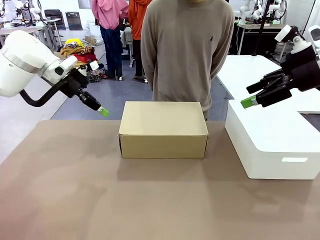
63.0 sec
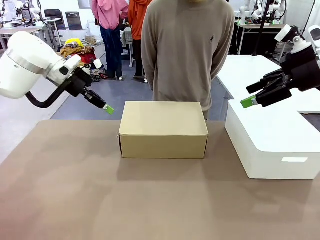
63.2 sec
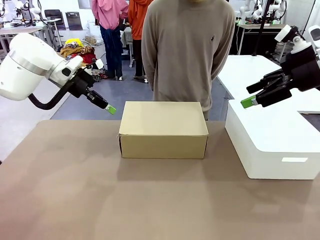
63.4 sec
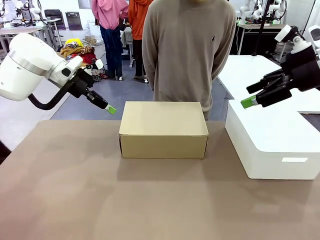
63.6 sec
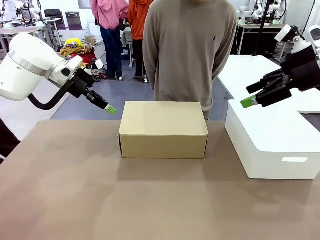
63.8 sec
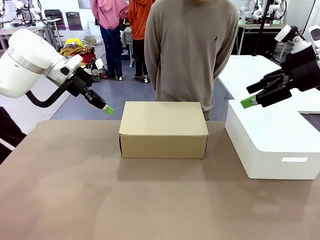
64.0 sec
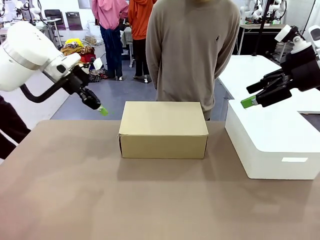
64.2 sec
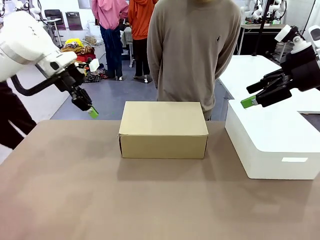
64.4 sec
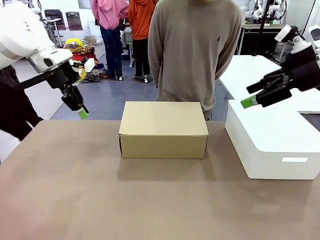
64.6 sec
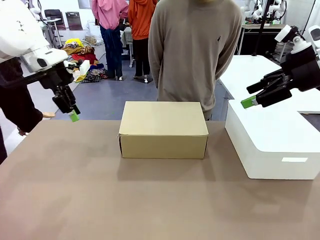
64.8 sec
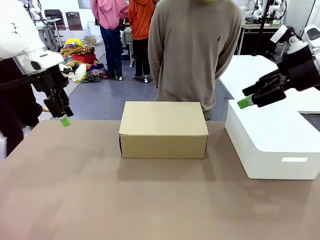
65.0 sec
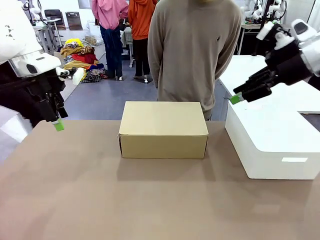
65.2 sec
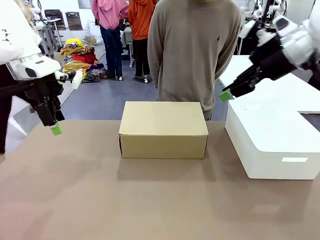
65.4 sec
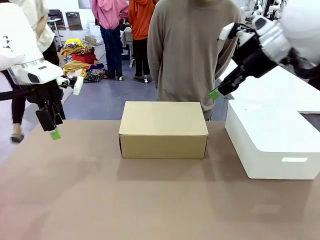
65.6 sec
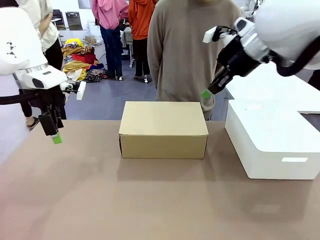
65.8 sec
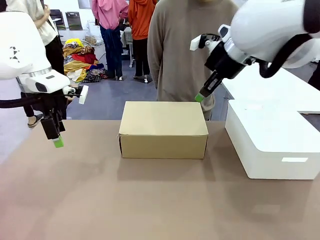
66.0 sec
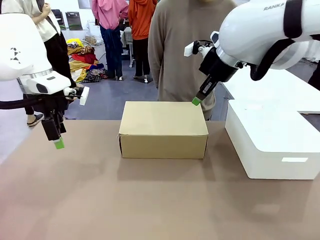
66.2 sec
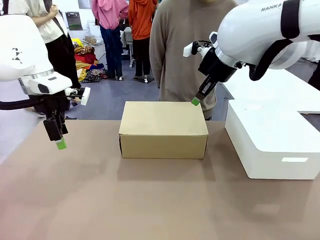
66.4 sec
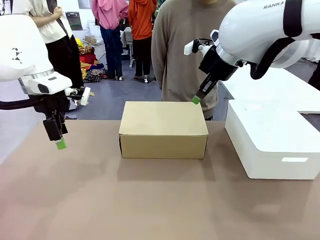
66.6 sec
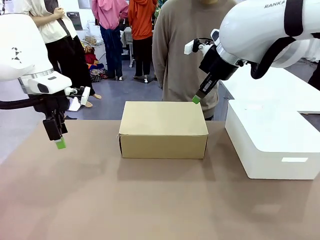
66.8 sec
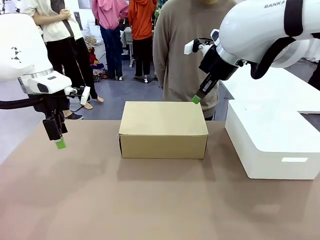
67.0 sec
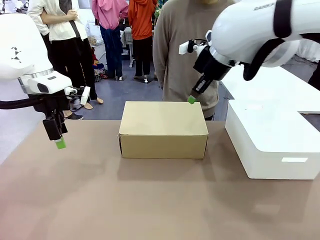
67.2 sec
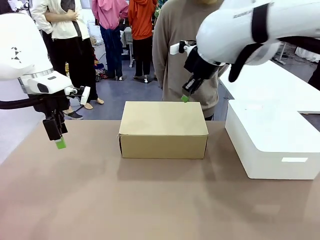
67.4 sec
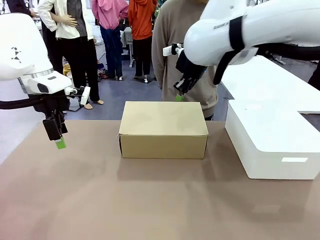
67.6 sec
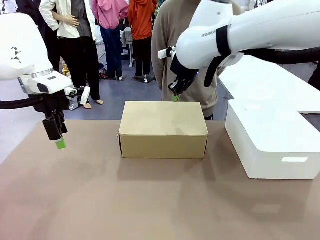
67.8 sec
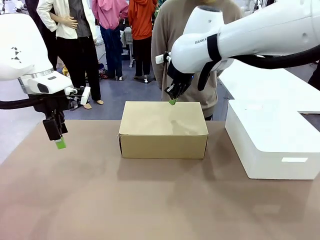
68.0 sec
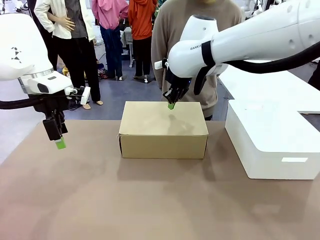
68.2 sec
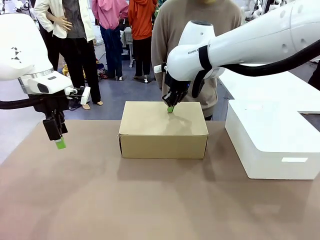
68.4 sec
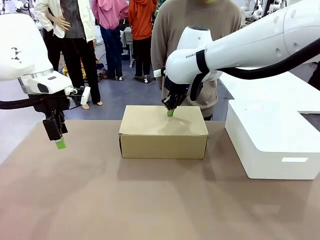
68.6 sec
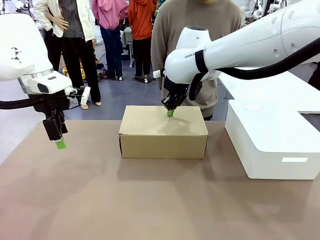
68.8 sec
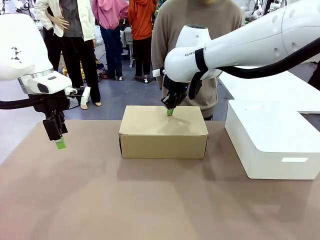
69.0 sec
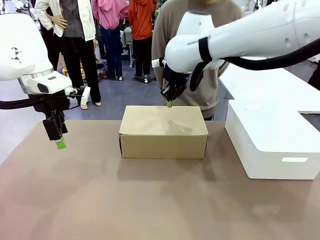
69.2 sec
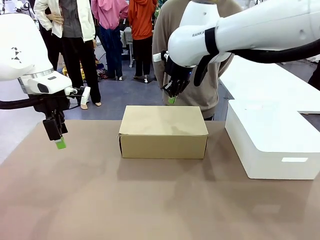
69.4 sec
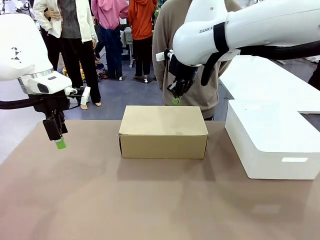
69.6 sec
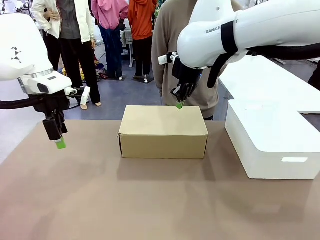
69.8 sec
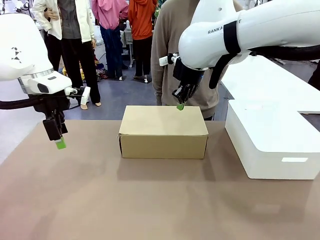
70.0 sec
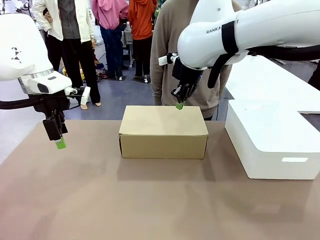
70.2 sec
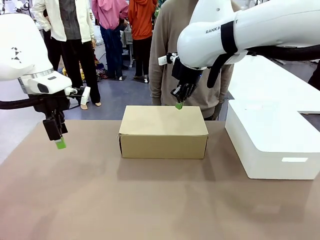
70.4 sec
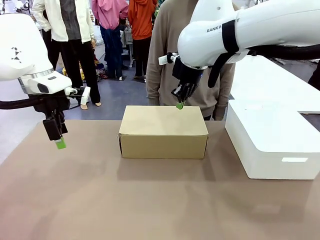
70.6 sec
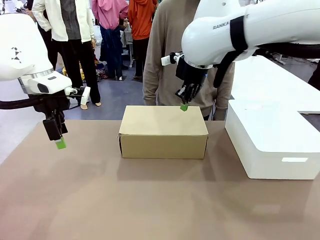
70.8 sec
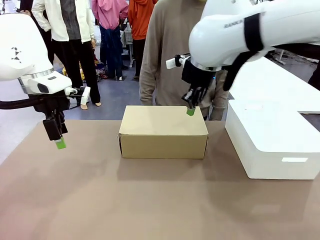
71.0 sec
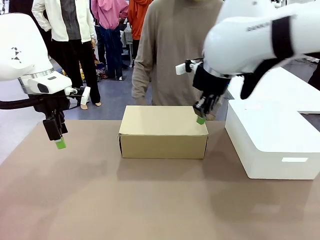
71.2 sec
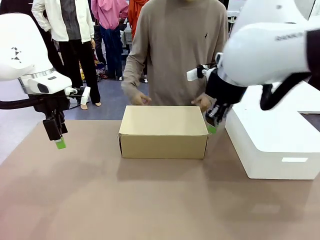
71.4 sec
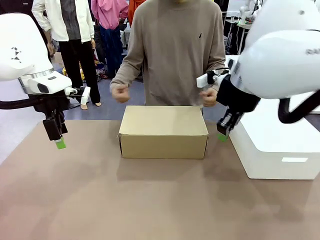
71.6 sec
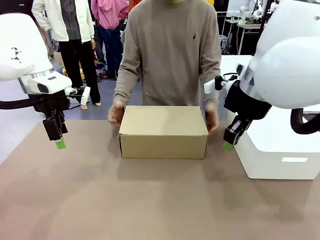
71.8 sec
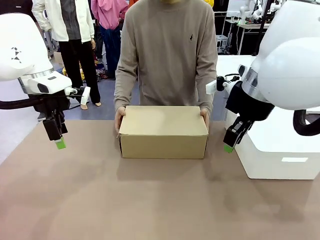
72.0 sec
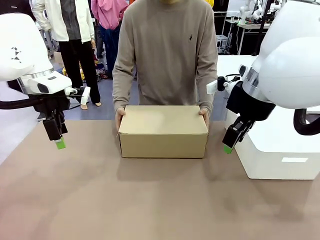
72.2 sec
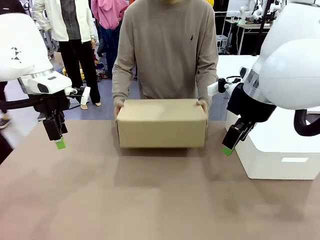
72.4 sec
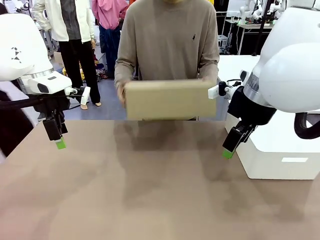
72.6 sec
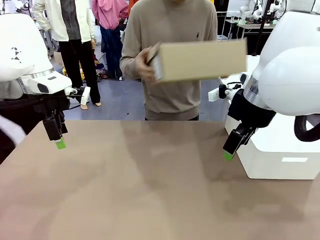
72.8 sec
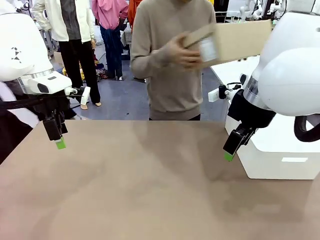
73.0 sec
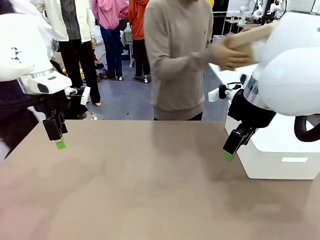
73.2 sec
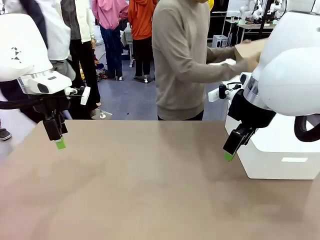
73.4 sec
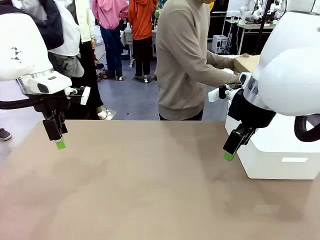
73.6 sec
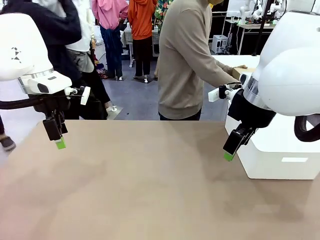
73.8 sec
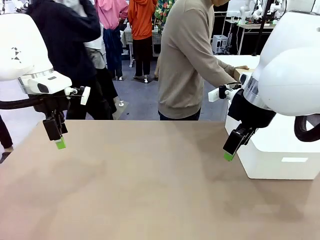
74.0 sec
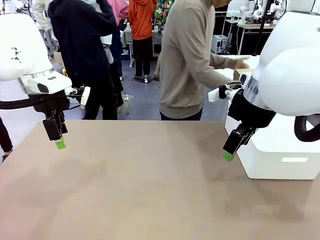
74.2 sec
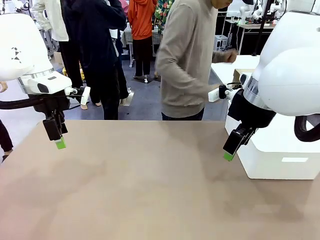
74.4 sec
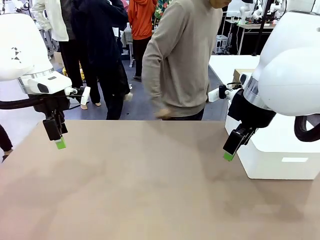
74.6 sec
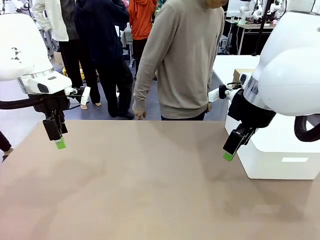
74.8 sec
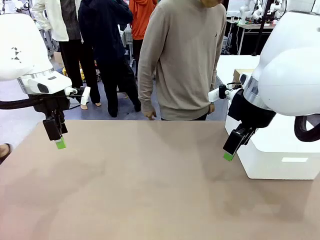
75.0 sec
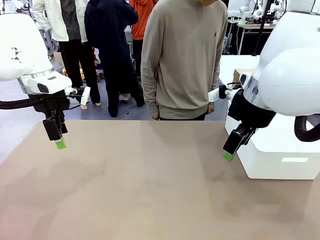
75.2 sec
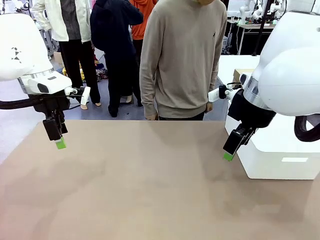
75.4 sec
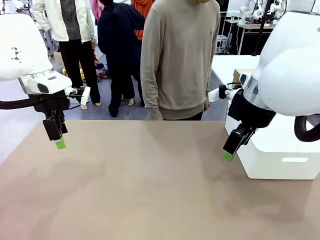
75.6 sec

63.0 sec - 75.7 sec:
Task: Pack the shoes into the box.
Robot: Press down on the lid of the Shoes Box.
Person: Place the closed Shoes Box to the right side of the human table.

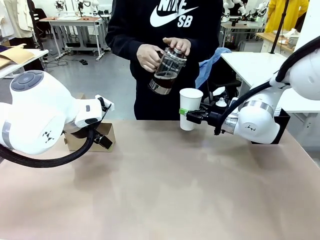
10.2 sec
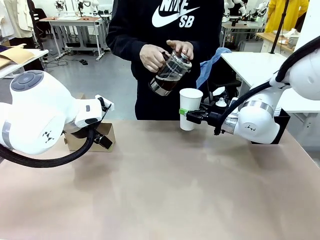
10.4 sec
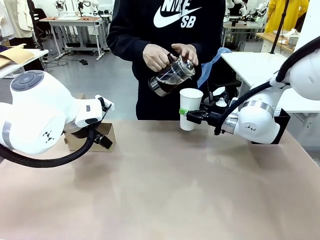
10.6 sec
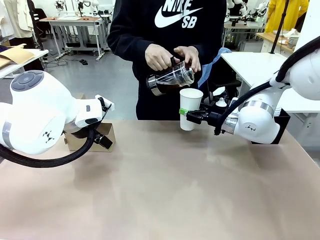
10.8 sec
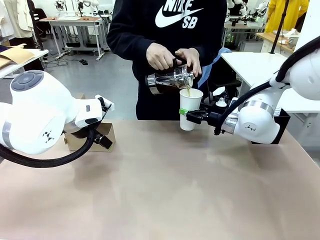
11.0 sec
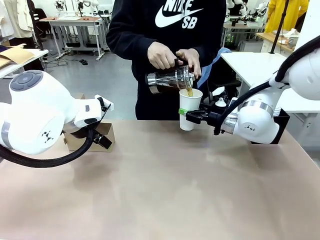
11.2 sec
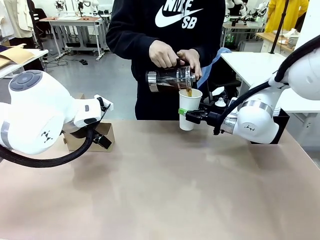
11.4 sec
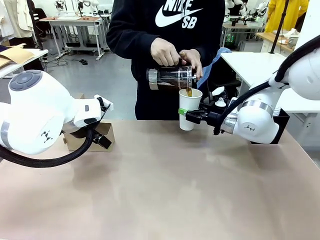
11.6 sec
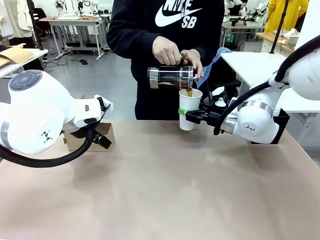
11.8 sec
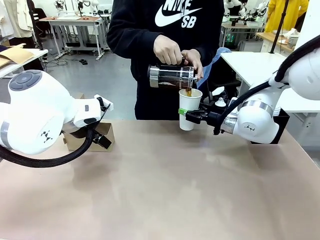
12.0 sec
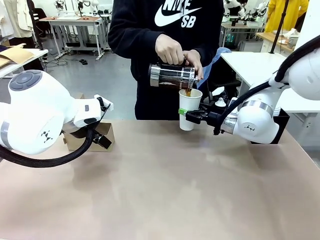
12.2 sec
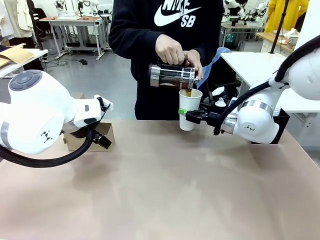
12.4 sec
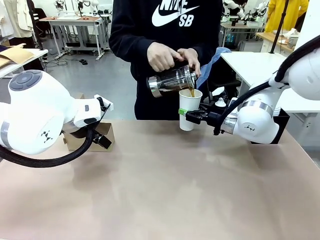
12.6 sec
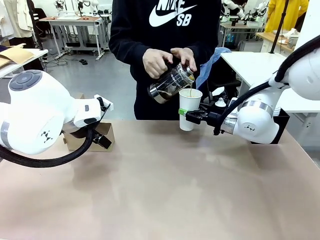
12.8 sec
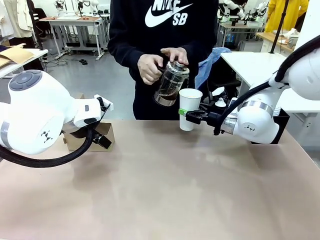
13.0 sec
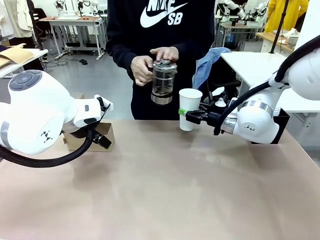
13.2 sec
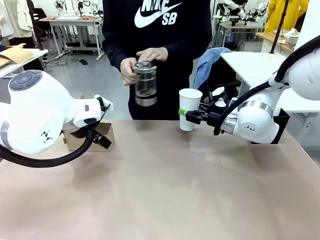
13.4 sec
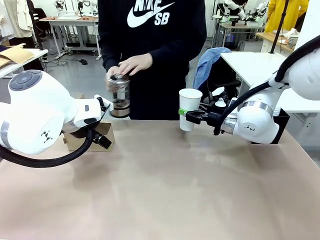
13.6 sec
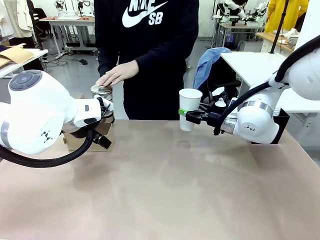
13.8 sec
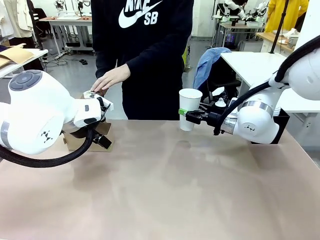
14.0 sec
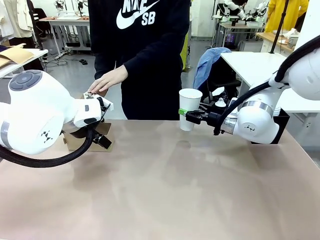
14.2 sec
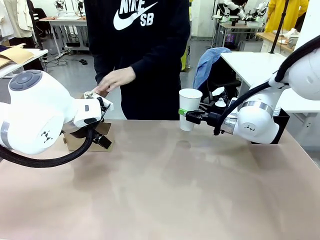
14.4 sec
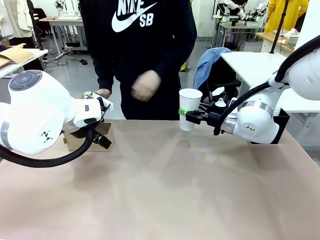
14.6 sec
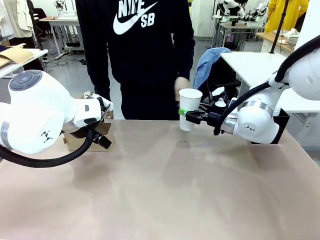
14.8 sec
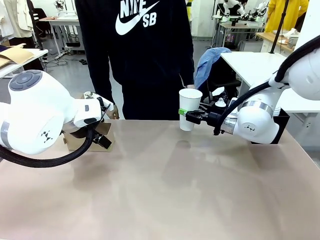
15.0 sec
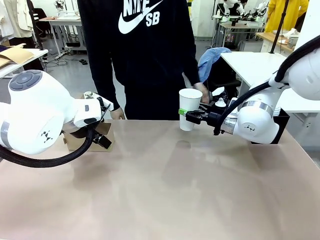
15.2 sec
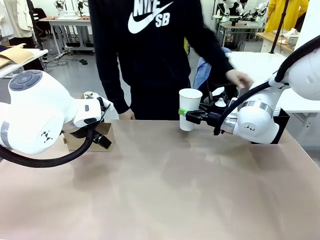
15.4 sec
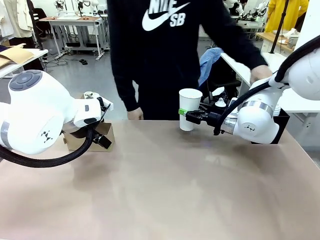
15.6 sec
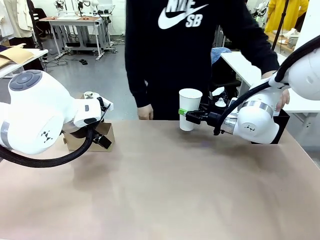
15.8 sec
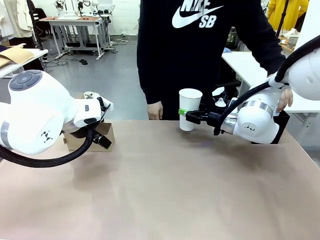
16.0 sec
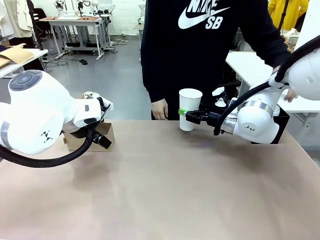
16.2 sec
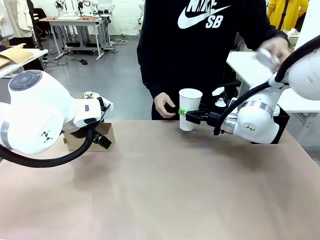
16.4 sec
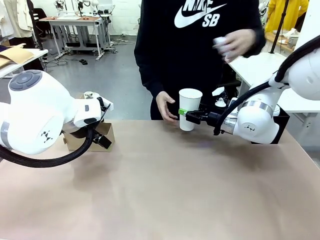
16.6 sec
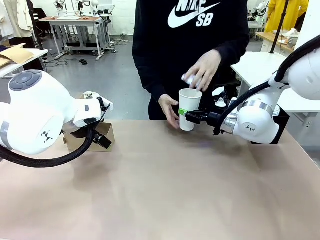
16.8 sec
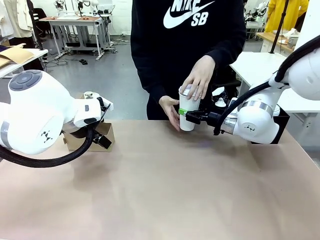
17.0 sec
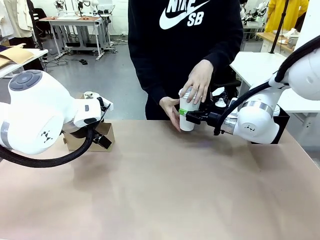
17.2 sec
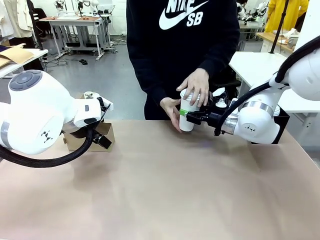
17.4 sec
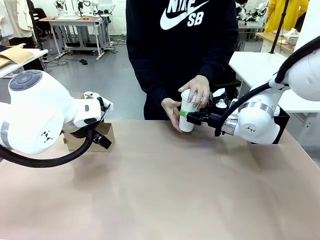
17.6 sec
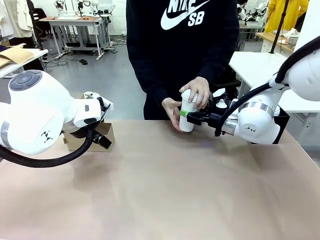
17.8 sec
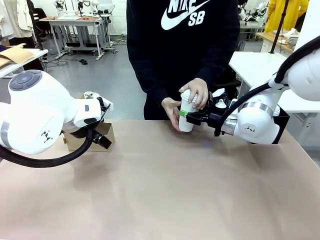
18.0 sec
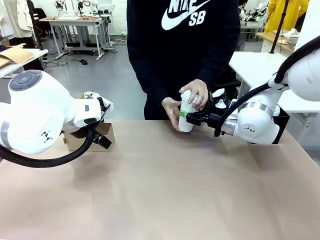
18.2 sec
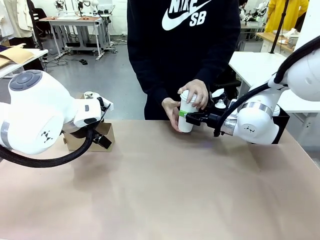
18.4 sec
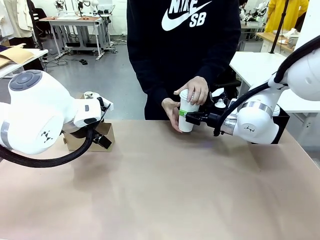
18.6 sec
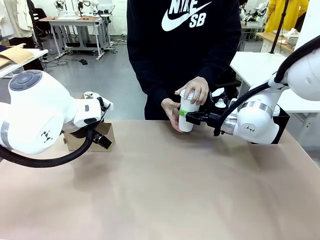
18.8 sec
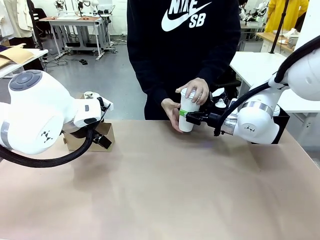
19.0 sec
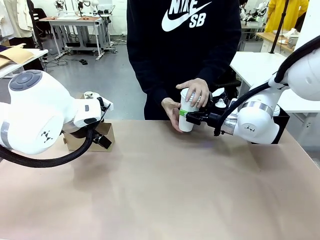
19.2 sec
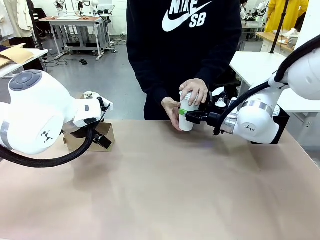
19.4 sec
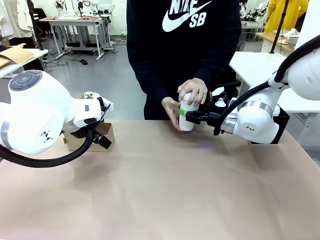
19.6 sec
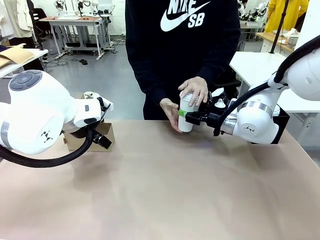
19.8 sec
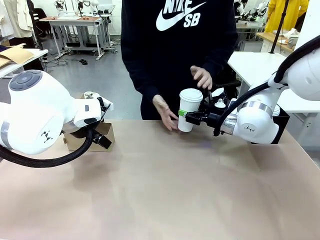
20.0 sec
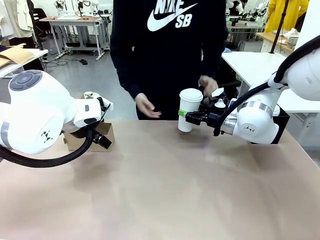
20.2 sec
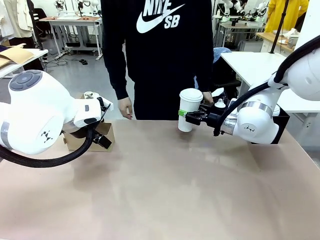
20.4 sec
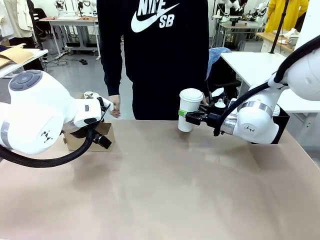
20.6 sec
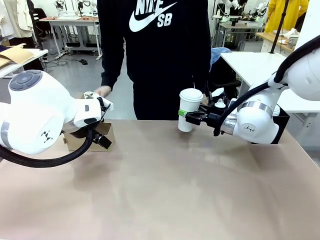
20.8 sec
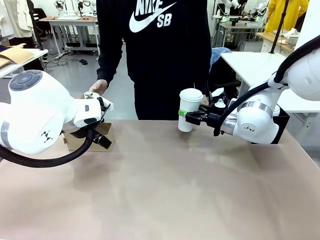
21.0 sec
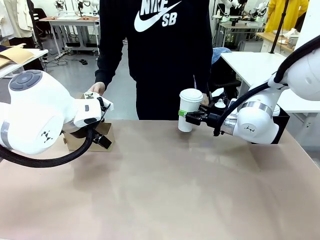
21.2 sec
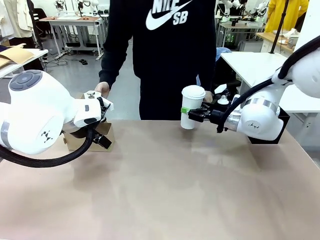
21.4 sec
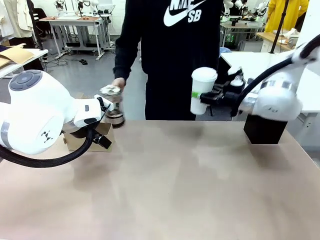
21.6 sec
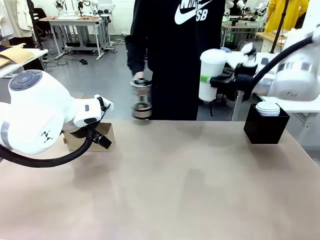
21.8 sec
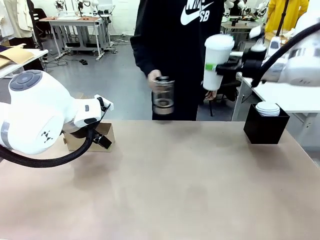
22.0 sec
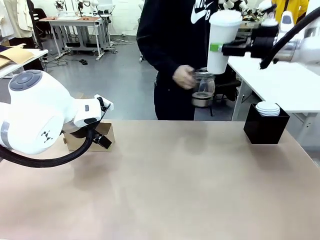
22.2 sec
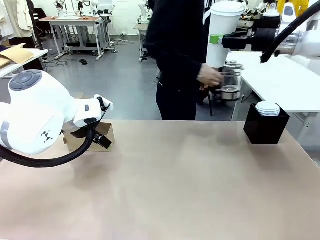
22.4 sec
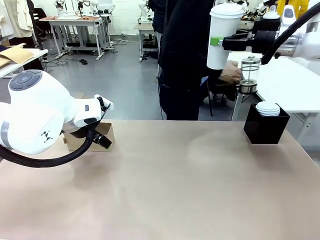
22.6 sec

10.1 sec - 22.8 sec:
Task: Pour a drink into a cup and package it in a carrier.
Robot: When a person places the Paper Cup Lid on the 600 ml Paper Cup , lift the 600 ml Paper Cup.
Person: Pour the drink from the Filter Brewing into the 600 ml Paper Cup. Place a Paper Cup Lid on the 600 ml Paper Cup.
